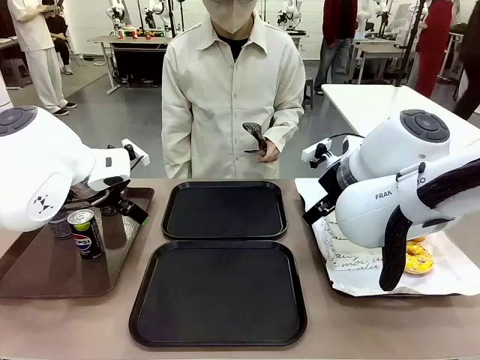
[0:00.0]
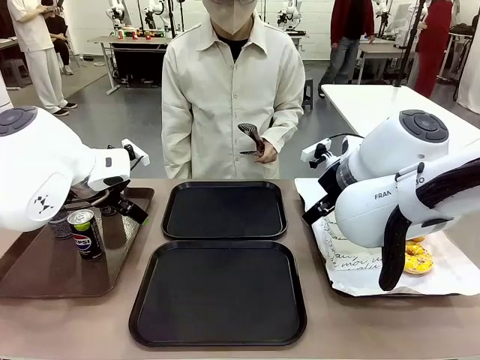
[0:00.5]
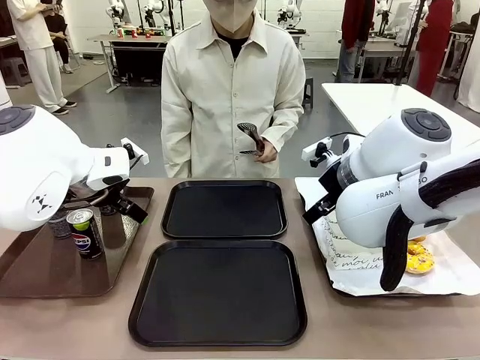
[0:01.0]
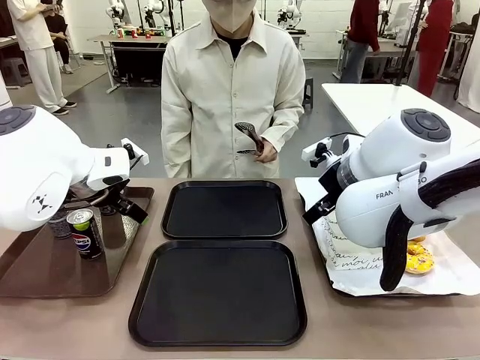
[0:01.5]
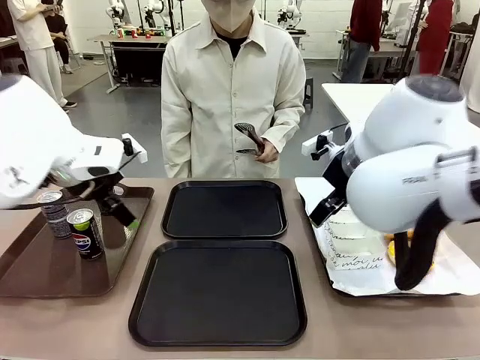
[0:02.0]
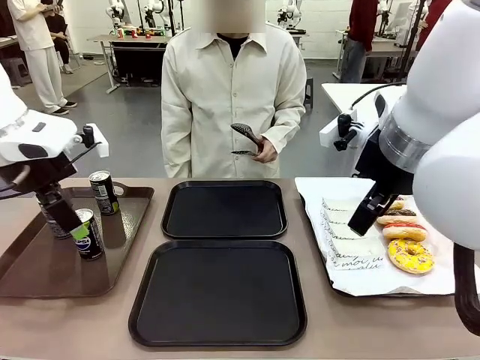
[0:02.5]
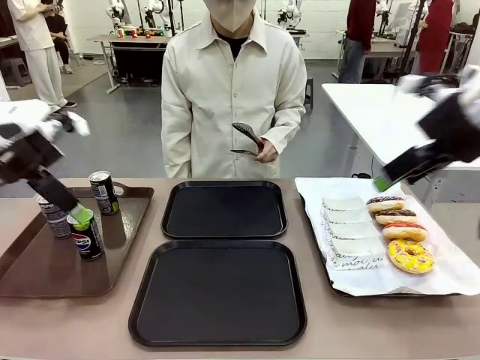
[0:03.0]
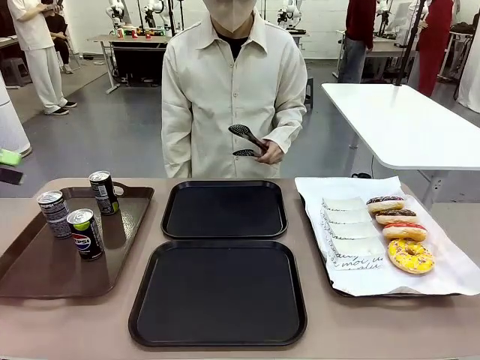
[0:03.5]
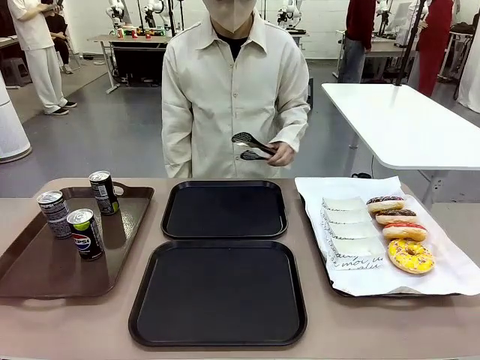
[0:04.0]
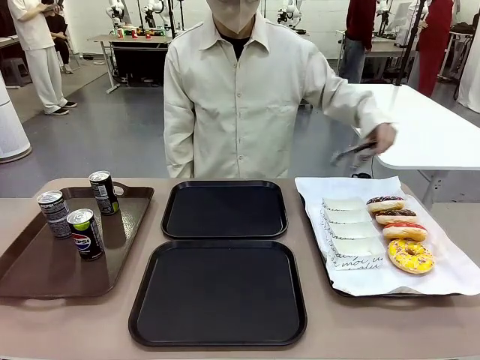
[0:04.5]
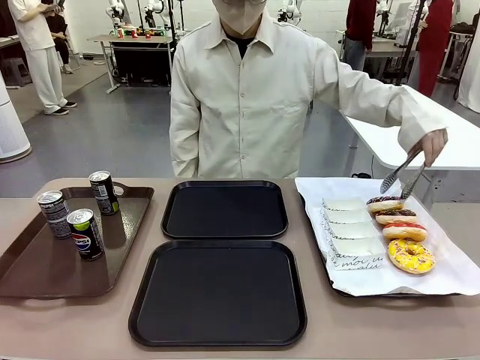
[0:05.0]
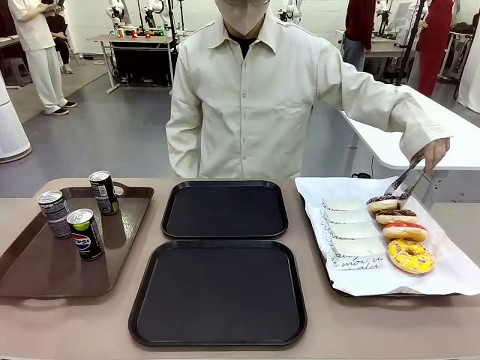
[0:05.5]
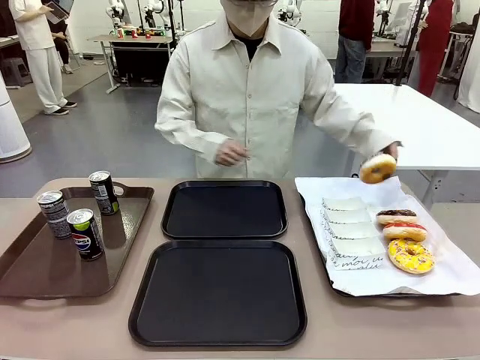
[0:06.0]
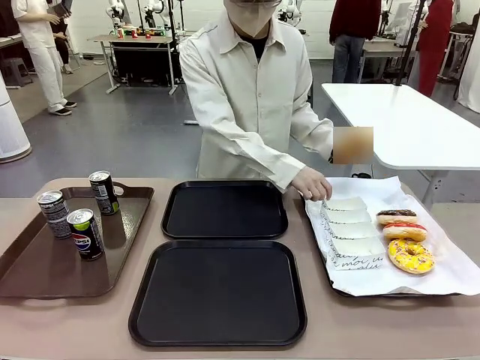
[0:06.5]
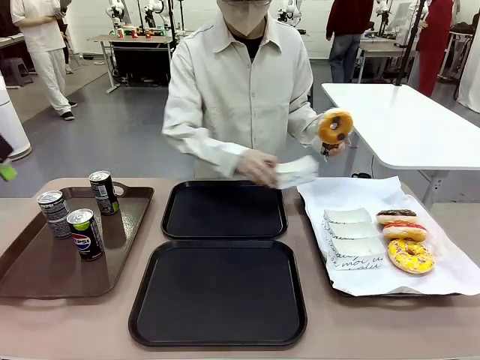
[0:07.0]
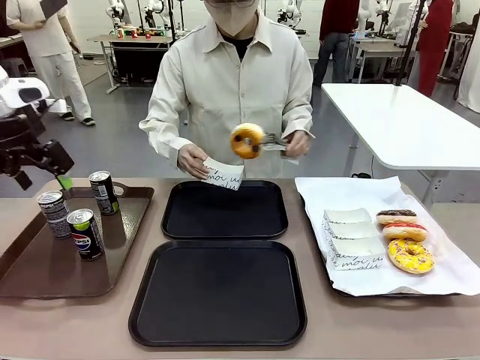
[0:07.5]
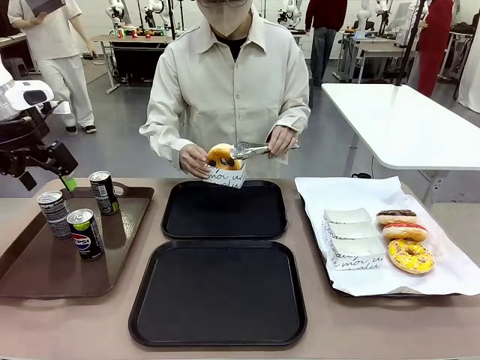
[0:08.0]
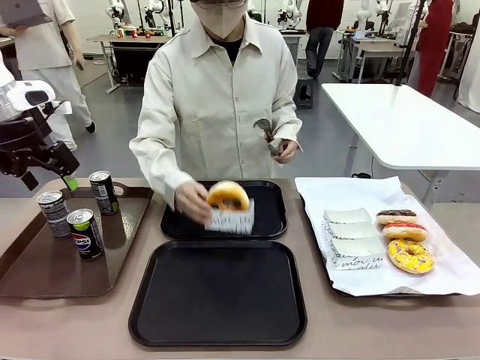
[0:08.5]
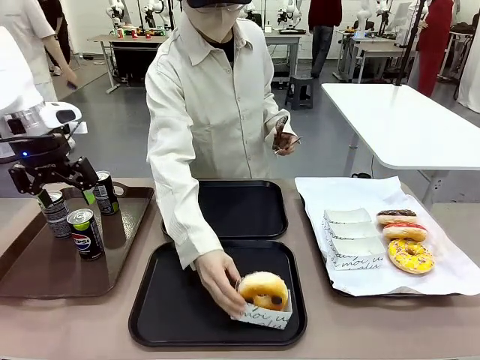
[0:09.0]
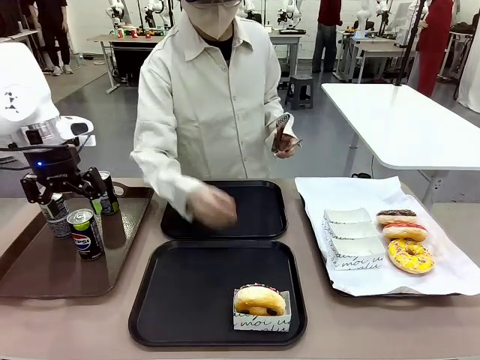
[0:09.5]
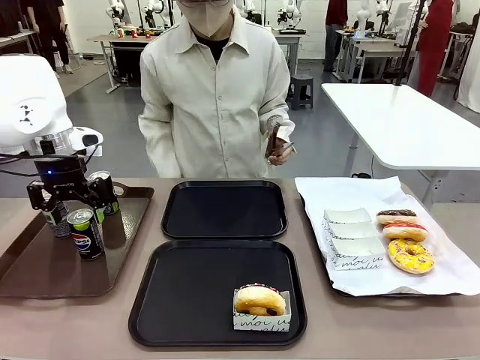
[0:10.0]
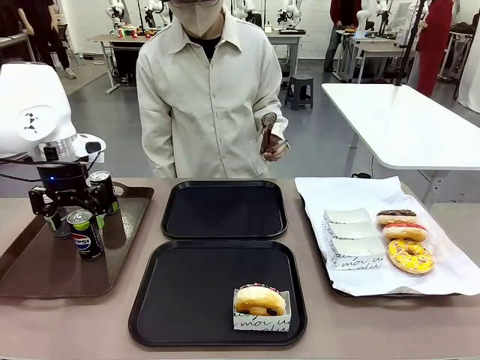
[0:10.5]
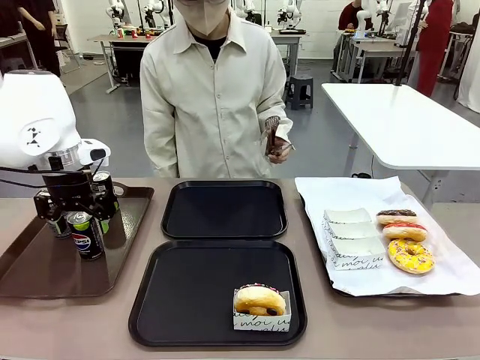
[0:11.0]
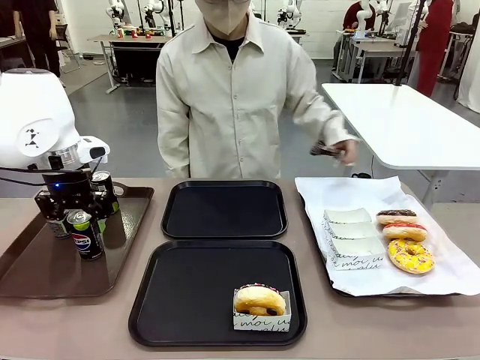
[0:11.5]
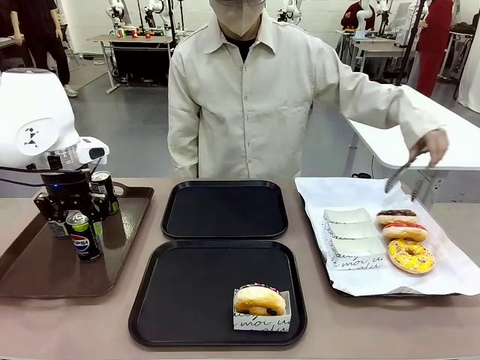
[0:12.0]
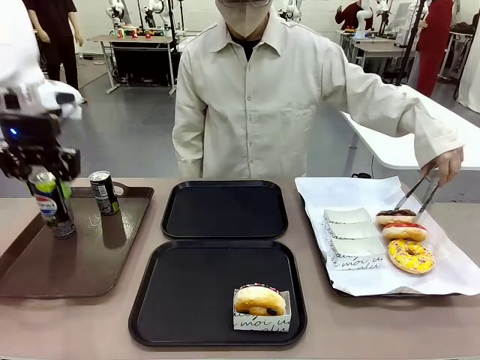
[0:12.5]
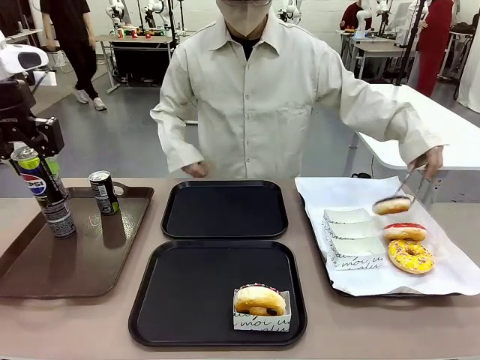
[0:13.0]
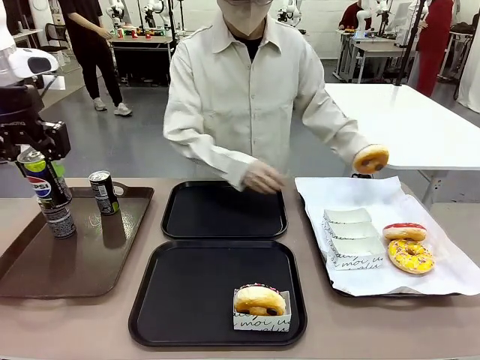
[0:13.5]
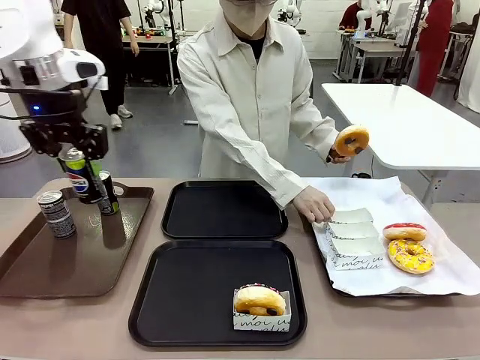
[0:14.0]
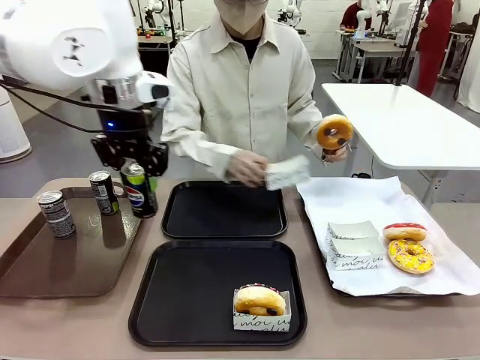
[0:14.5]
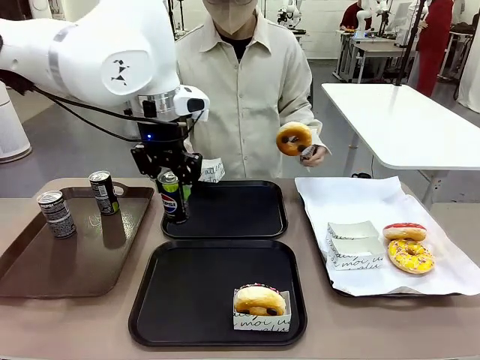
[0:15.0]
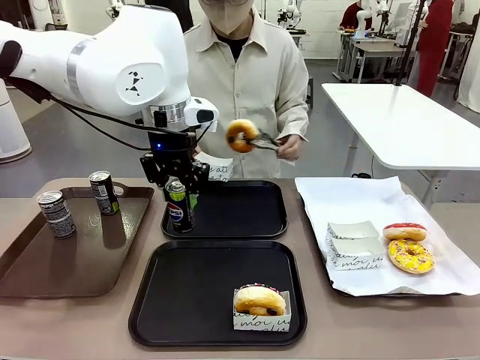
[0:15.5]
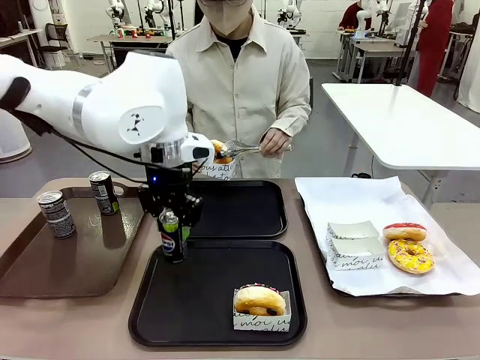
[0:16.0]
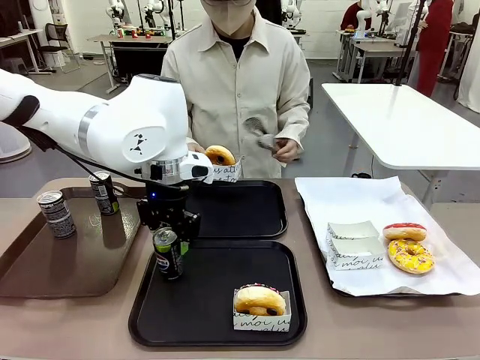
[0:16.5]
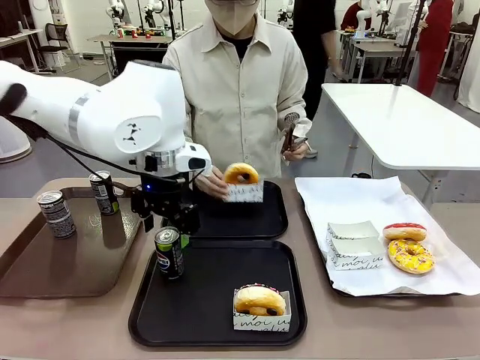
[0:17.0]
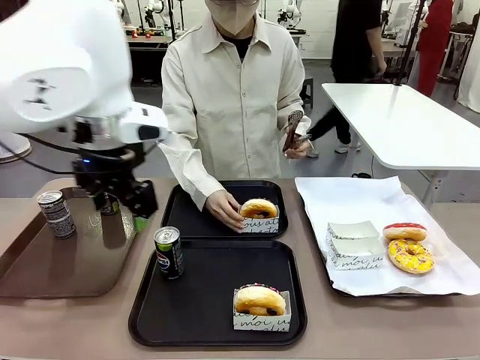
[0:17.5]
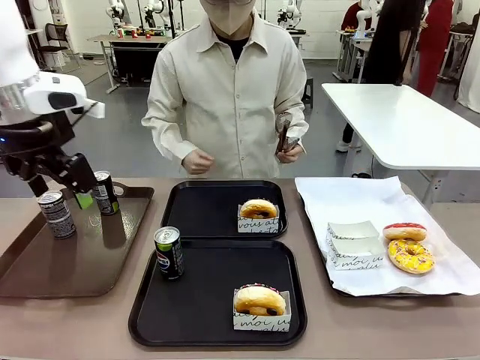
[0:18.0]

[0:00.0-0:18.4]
Task: Set up donuts and drinks on trays.
Robot: Pick up one Pepsi coke and place it on the Flat Tray.

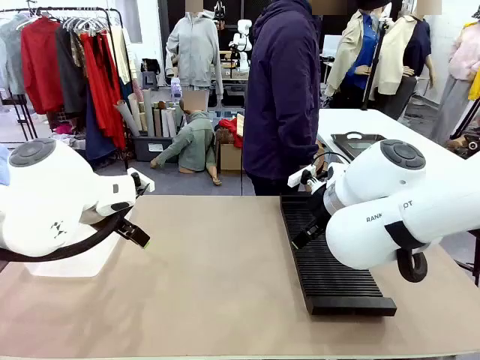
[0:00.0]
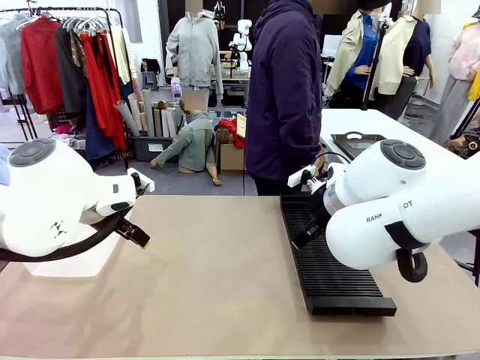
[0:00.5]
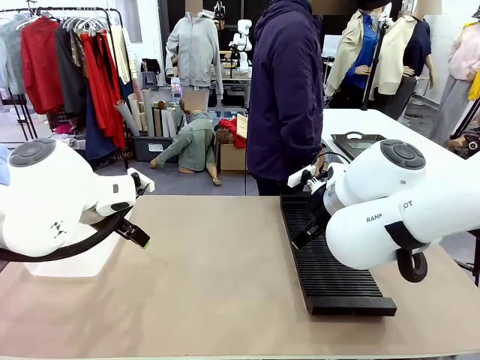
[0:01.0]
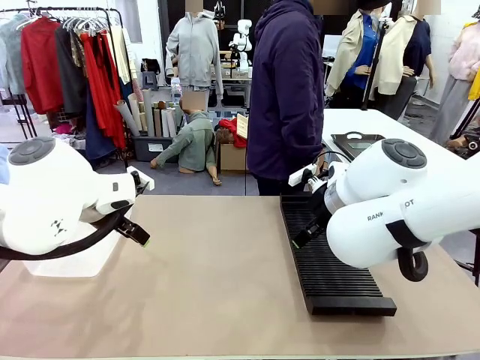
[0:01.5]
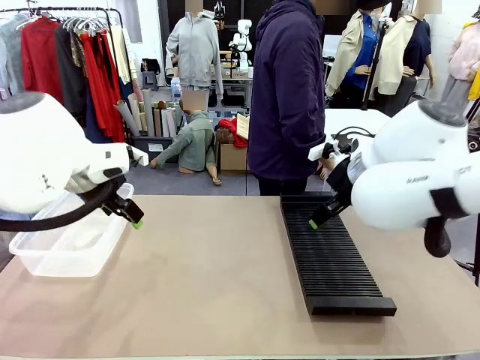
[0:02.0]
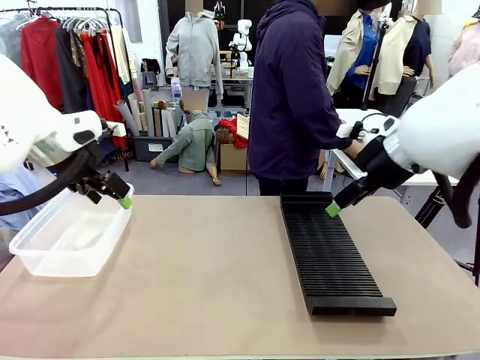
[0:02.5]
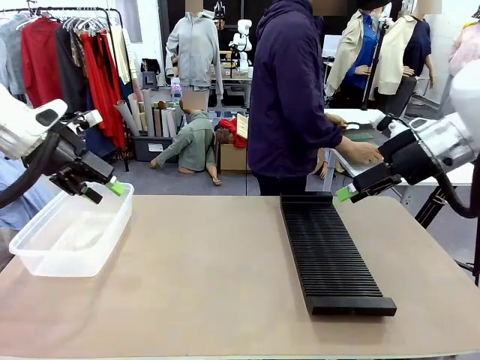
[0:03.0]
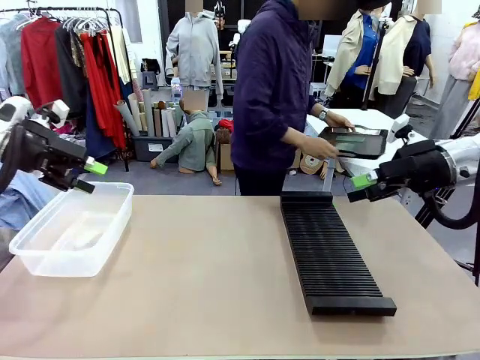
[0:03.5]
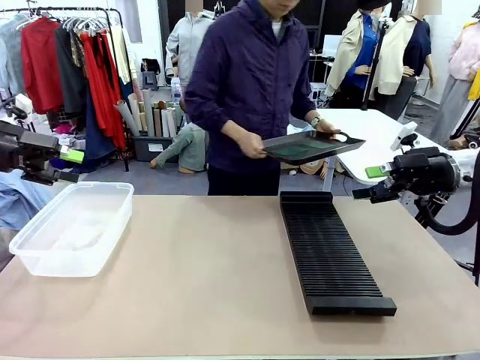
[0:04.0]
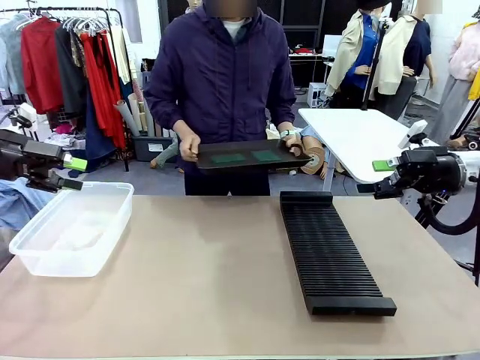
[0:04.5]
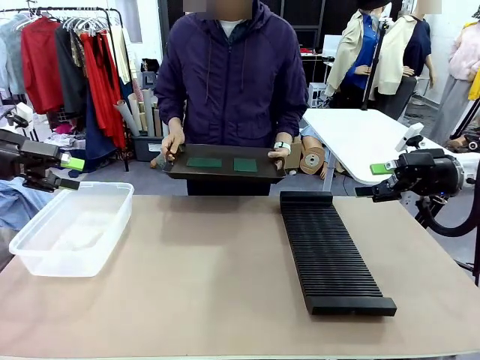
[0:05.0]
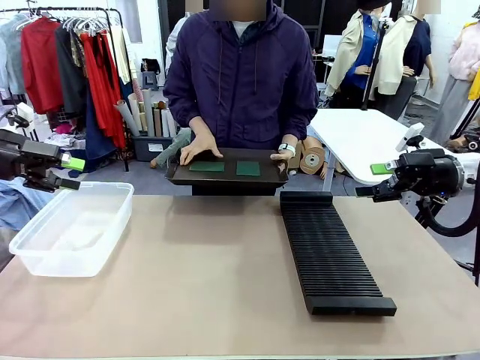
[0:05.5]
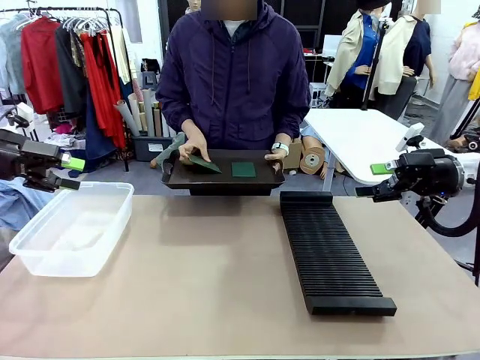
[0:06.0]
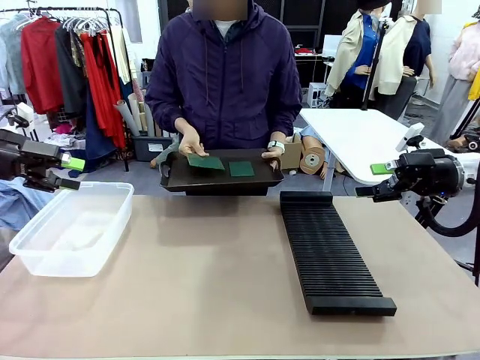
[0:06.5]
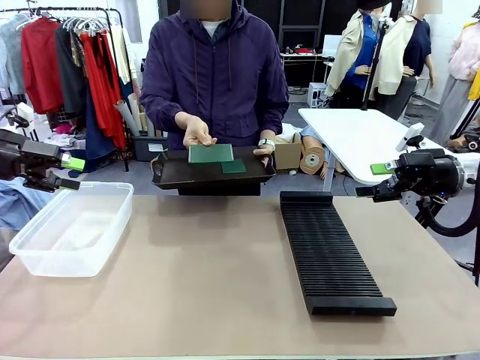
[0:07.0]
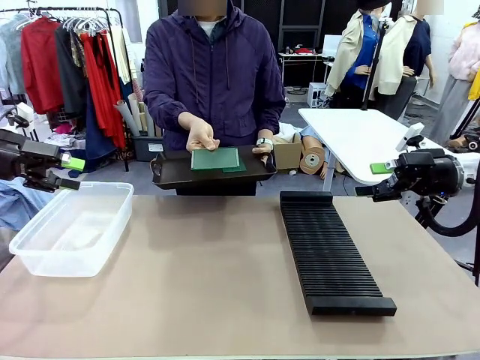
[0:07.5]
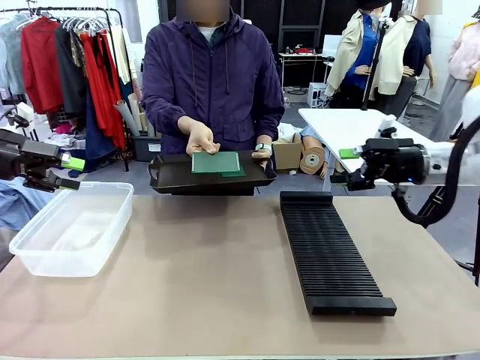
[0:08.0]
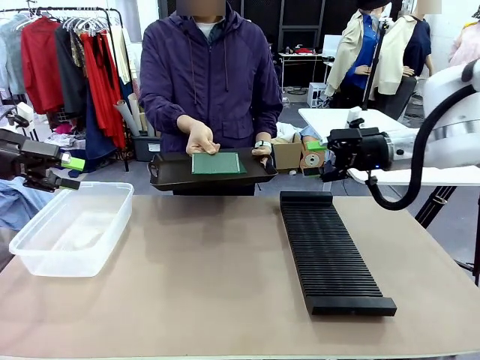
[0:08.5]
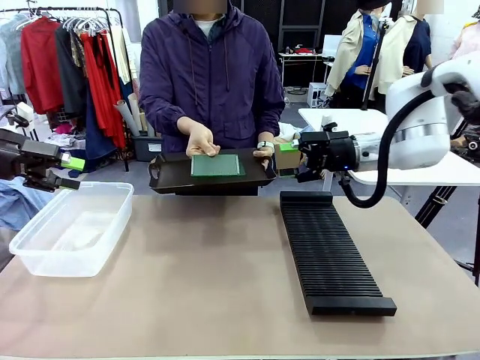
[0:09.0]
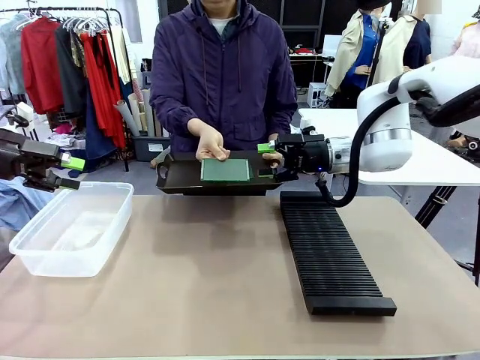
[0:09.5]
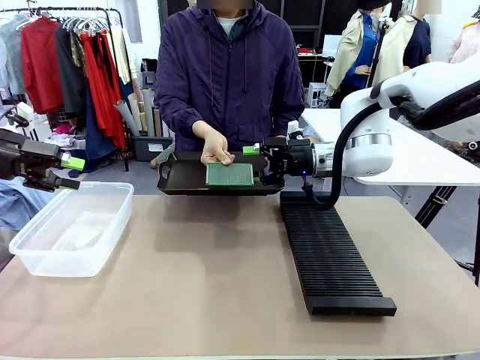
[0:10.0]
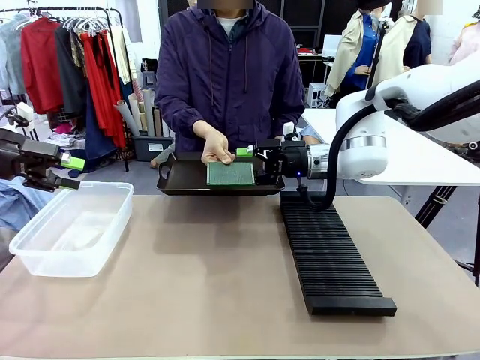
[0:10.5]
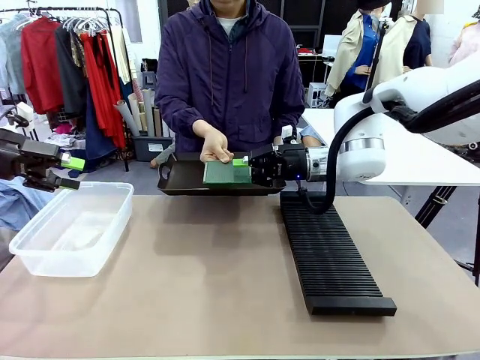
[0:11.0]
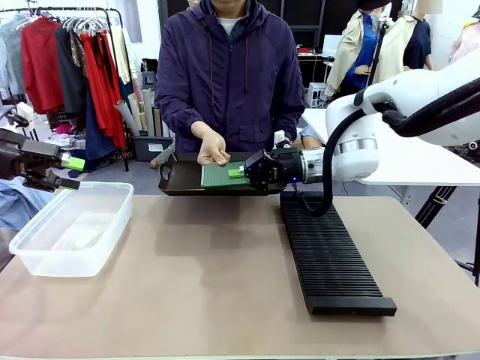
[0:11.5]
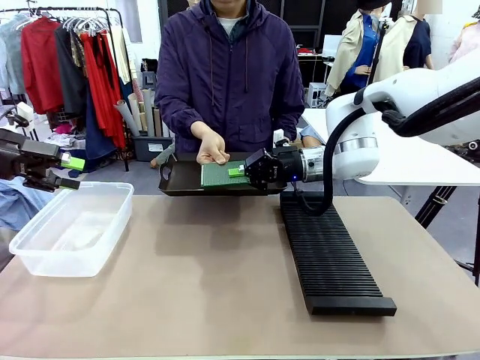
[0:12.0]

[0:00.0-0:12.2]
Task: Sort PCBs into racks and boxes based on the side picked up.
Robot: Pick up the Blank PCB handed by the Human.
Person: Pick one PCB from the tray and present it to the robot. Release the PCB being held.
